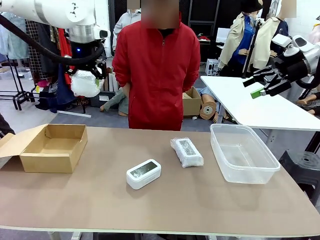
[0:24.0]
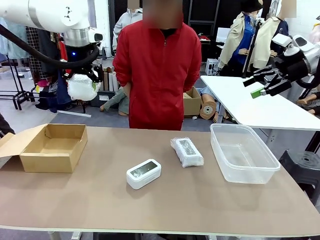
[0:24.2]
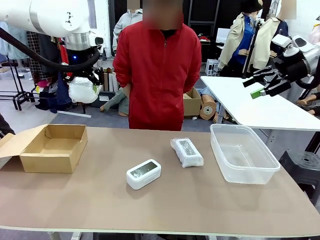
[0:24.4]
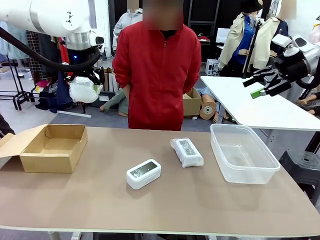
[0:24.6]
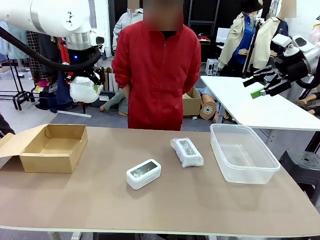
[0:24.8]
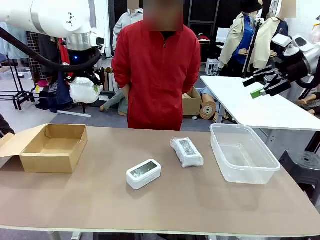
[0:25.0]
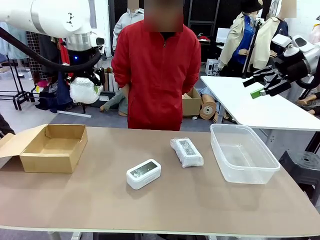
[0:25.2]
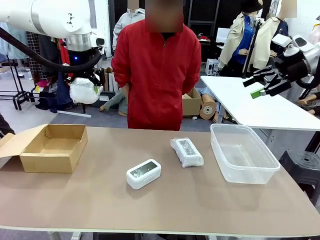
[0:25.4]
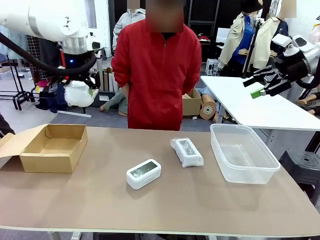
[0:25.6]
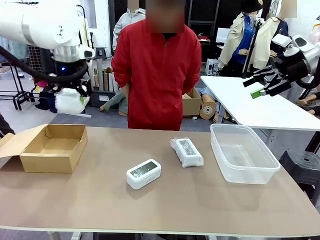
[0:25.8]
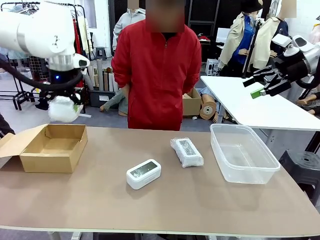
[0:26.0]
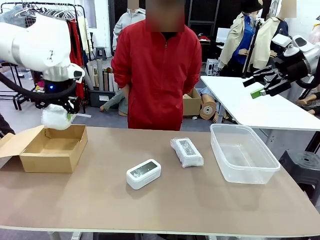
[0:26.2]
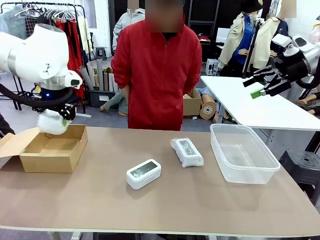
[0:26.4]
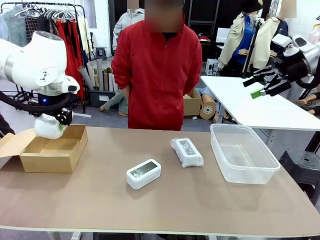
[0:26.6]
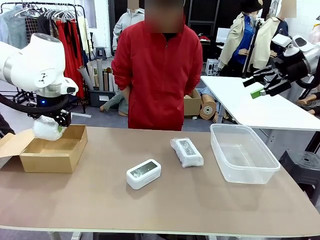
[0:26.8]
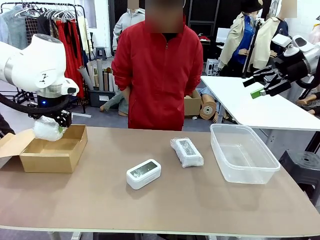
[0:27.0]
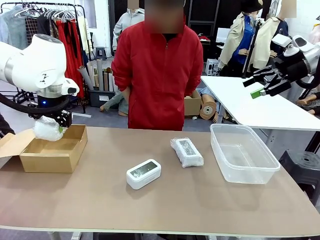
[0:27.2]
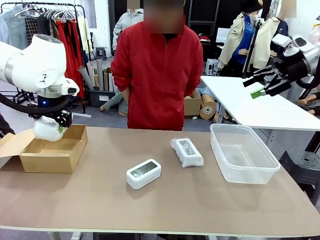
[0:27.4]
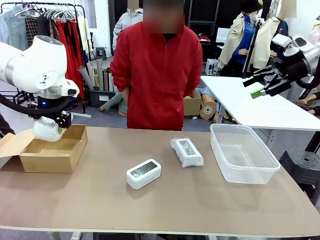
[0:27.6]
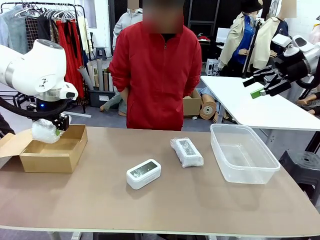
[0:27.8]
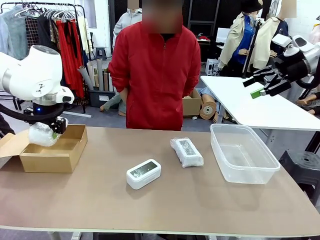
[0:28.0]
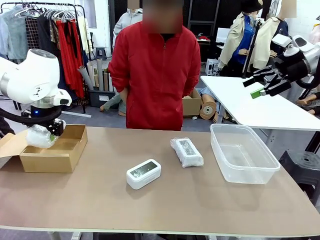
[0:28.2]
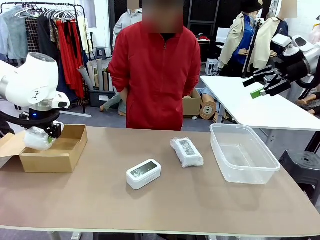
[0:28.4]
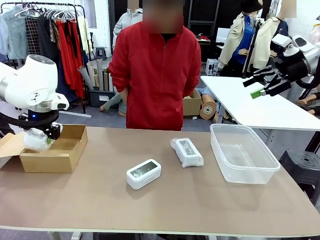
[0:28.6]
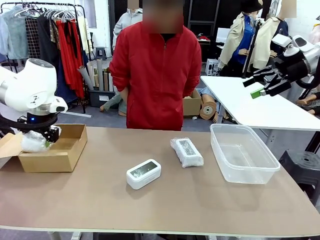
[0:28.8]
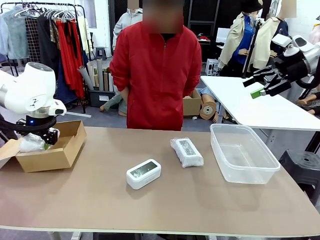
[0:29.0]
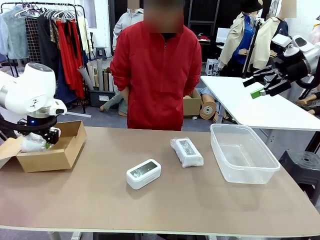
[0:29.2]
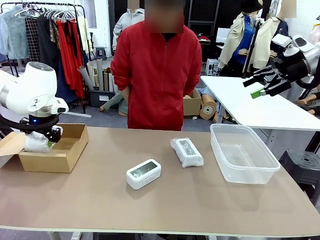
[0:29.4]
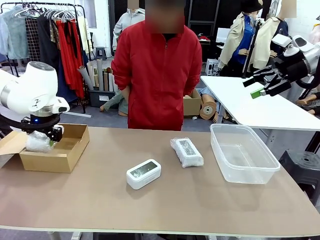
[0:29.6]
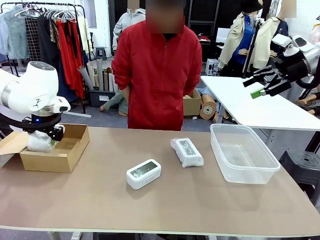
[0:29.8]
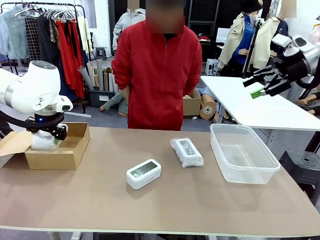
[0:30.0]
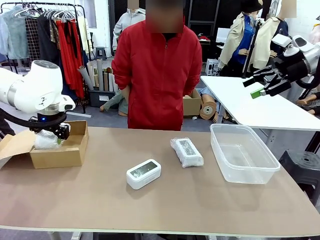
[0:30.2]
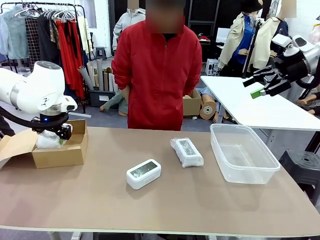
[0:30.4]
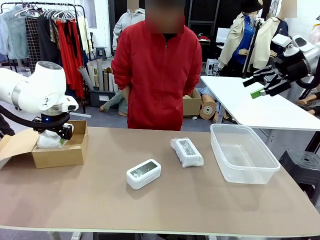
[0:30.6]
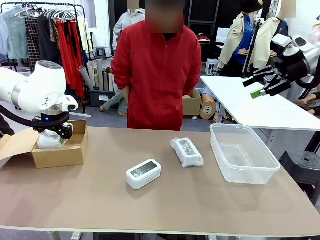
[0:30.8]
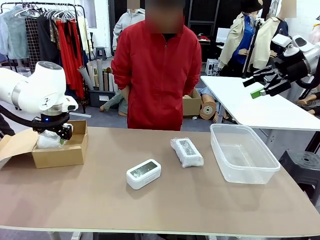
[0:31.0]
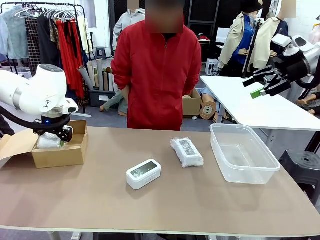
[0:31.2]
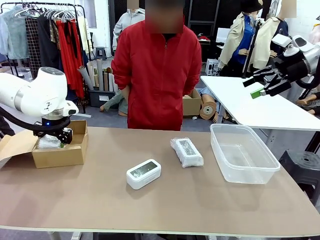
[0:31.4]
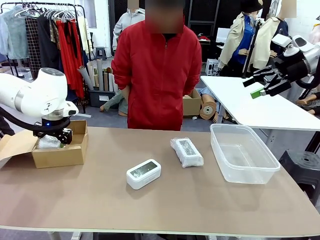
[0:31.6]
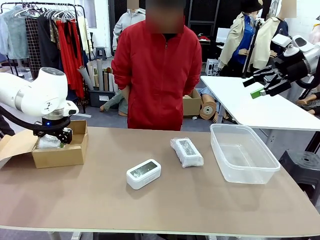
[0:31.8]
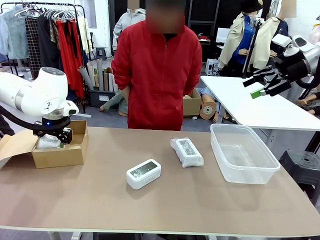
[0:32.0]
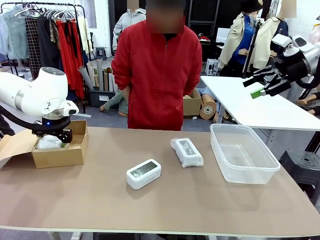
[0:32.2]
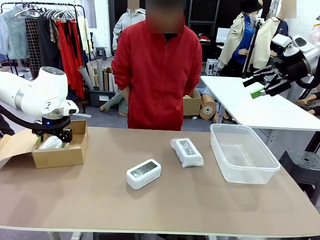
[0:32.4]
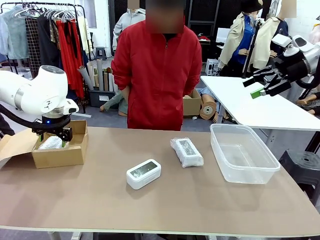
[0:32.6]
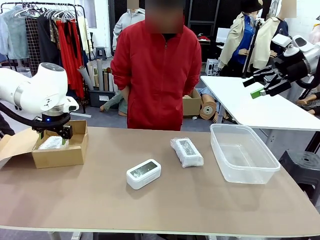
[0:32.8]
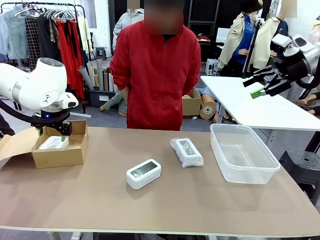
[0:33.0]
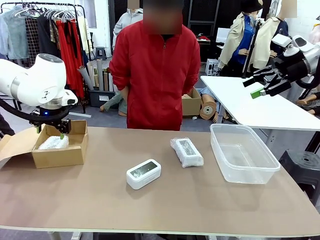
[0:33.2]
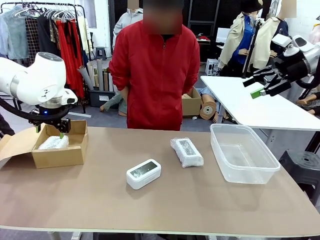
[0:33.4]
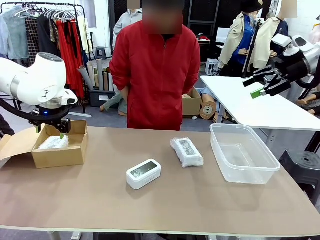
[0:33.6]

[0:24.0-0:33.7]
Task: Separate and place wrapped and unwrapped clocks.
Robot: If the picked Digital clock is wrapped, place it in the Package Box ; if not, place it in the Organizing box.

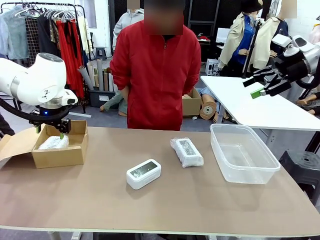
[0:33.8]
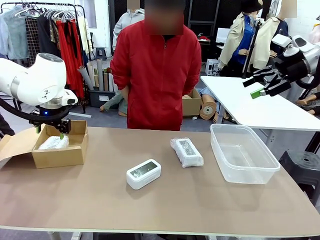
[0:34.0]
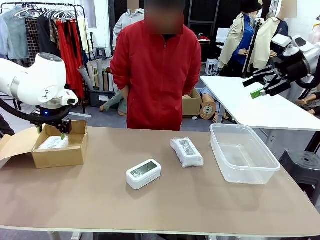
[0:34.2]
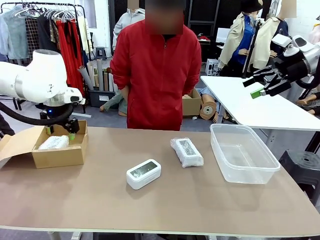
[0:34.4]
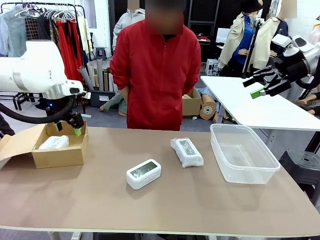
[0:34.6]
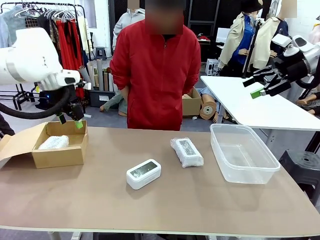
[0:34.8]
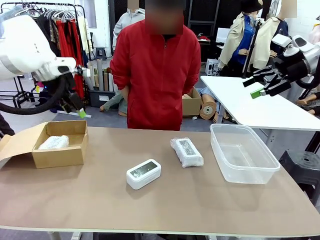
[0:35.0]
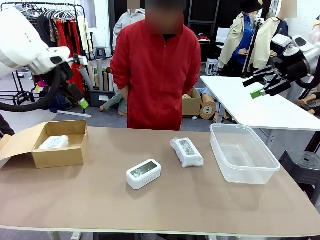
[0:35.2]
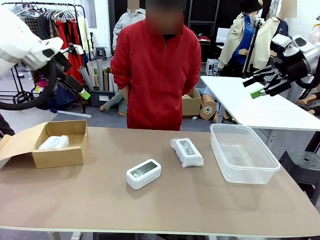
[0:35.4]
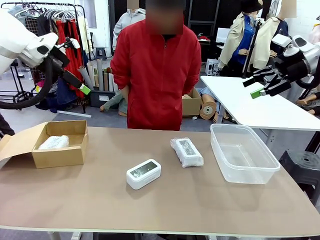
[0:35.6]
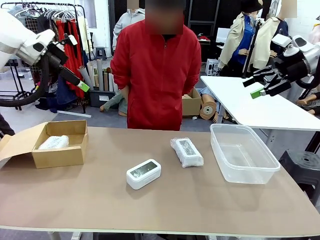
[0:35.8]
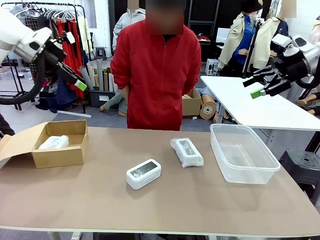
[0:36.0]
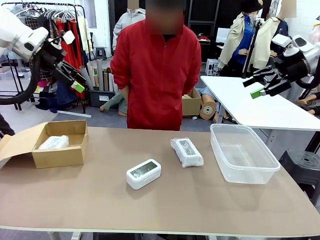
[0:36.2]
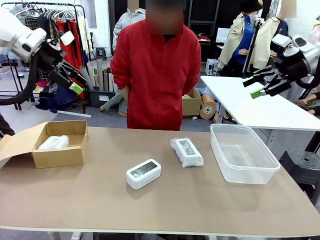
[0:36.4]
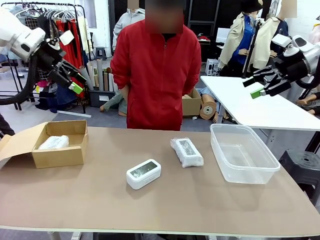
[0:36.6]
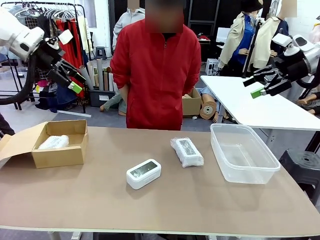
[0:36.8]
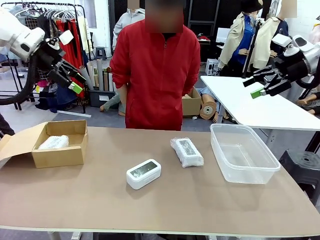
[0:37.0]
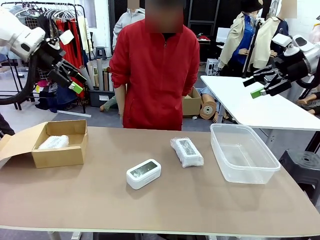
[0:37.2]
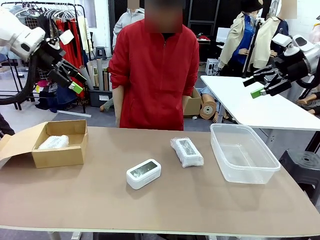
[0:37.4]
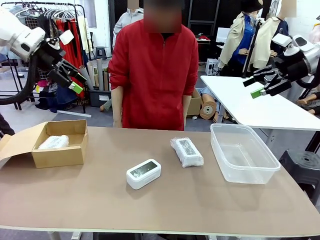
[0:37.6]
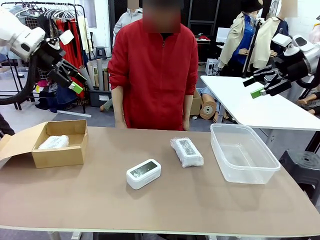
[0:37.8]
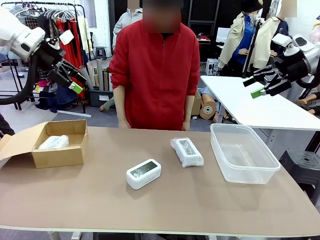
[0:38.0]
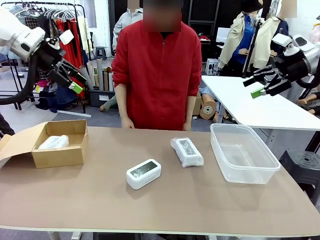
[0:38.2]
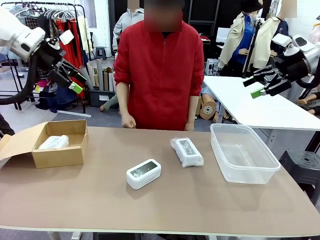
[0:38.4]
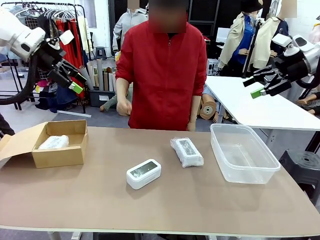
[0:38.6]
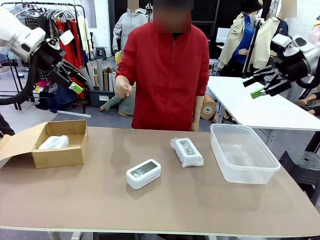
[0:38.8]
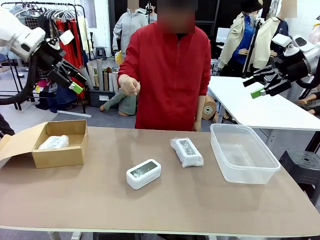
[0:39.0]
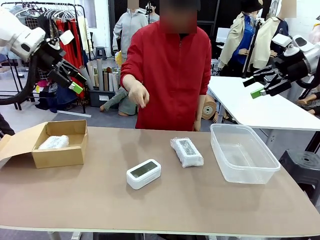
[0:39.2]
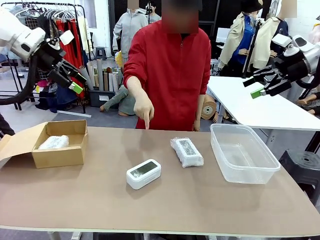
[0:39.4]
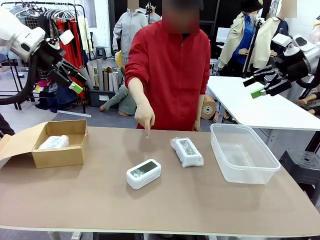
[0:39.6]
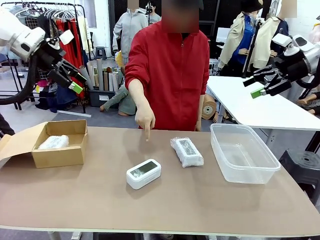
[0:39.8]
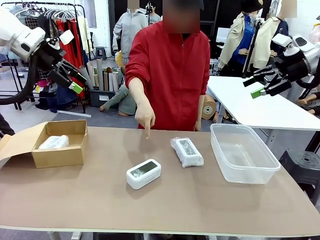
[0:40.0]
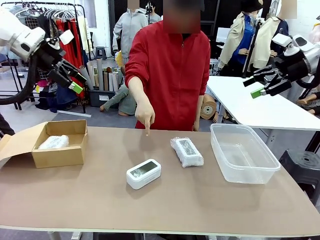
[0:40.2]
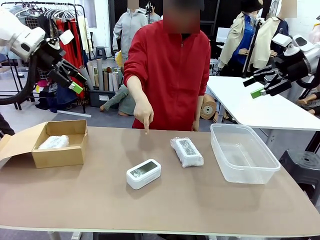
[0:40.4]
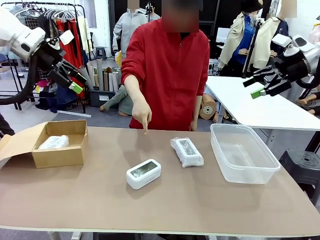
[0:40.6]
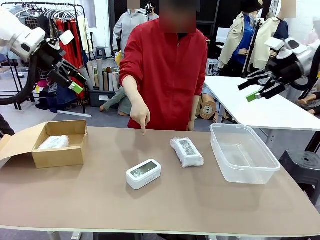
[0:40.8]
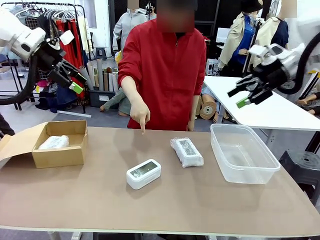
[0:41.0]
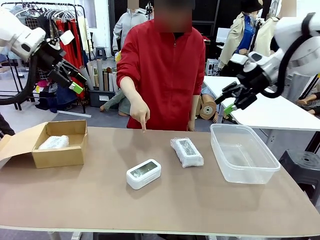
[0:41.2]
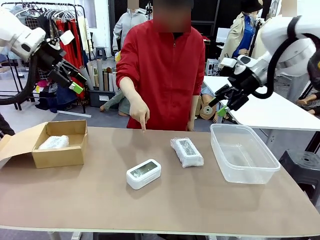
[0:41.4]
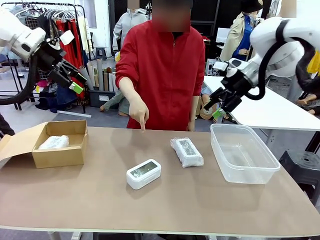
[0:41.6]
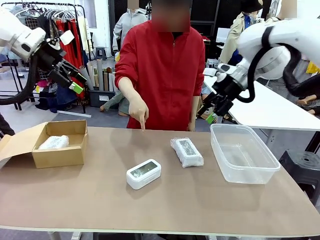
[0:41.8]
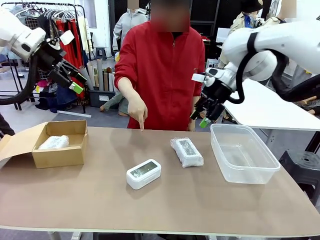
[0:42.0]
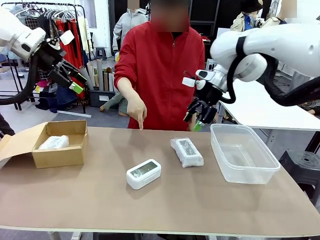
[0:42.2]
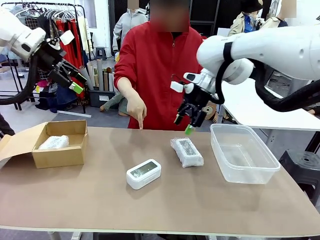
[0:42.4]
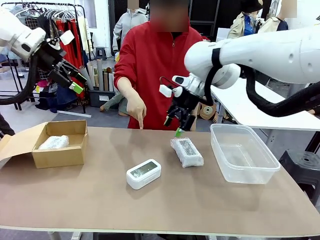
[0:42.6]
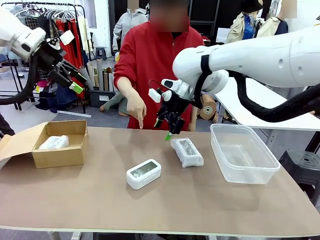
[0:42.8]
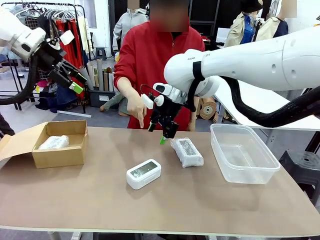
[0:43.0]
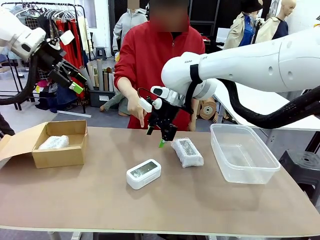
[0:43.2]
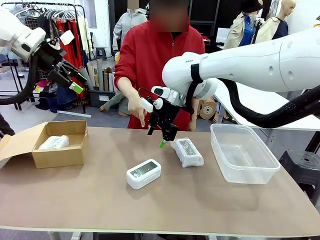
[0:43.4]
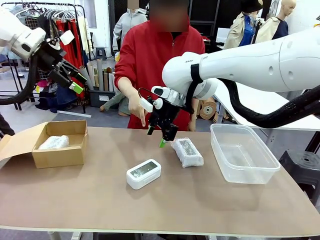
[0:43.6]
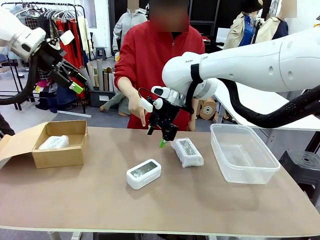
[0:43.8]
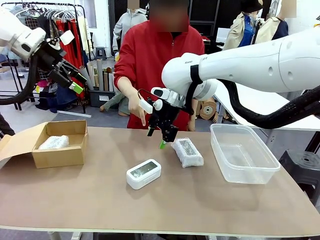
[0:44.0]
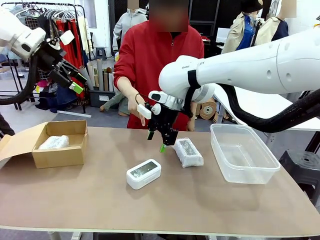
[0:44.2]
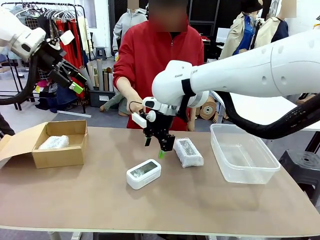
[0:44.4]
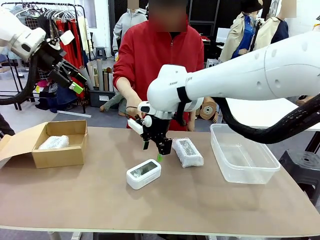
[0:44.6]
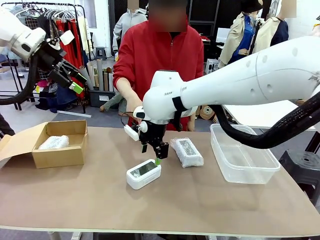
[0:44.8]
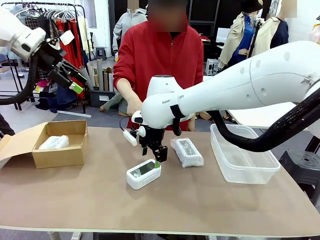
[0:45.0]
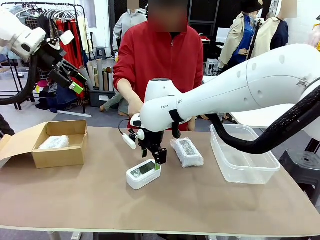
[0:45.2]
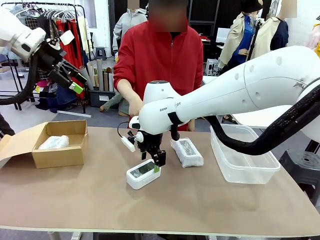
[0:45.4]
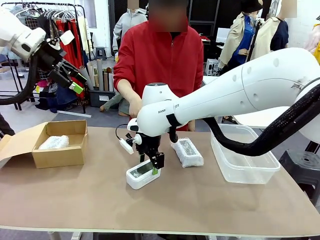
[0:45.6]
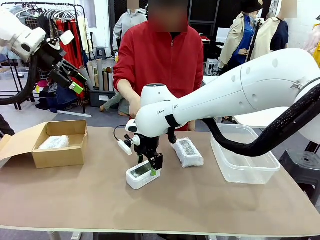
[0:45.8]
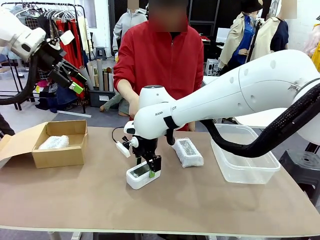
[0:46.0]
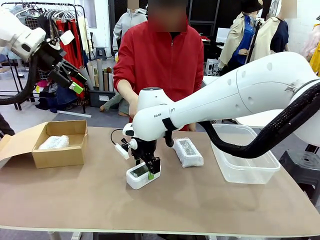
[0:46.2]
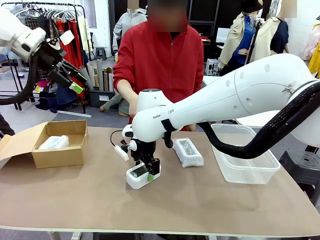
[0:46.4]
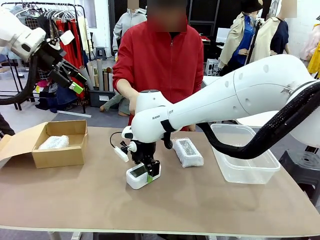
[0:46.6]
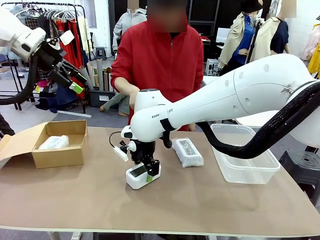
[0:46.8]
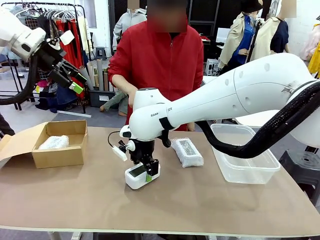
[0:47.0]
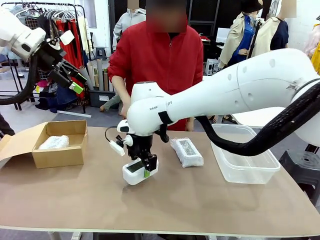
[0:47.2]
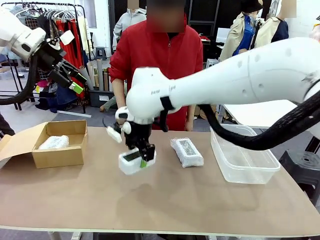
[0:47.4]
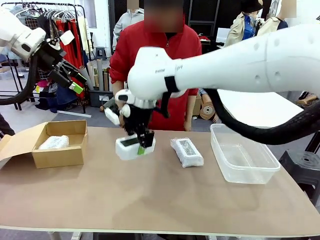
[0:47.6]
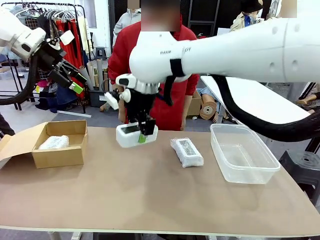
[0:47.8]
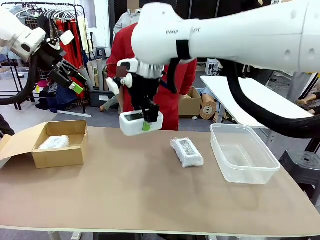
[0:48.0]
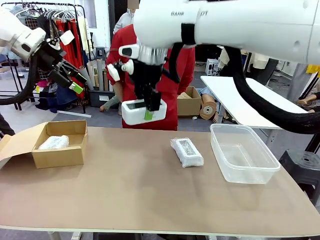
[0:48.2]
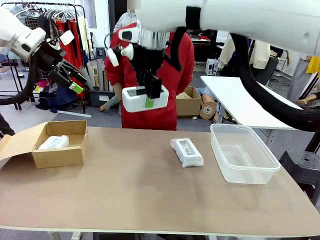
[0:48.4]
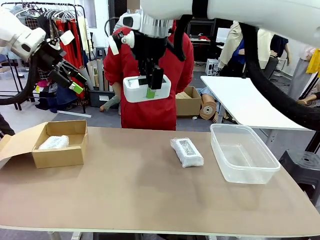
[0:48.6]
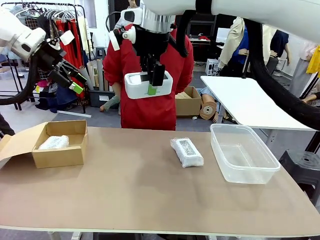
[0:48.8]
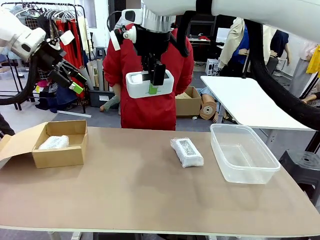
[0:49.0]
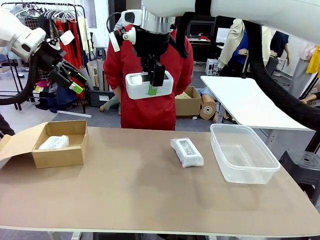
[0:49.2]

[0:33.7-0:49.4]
Robot: Pick up the Digital clock indicated by the person.
